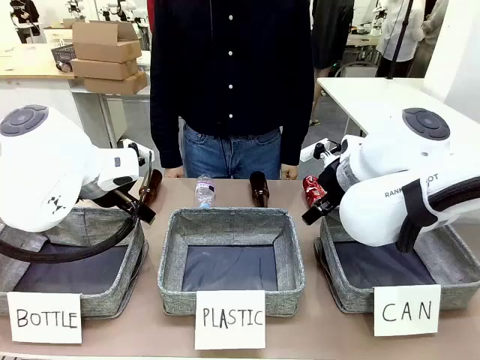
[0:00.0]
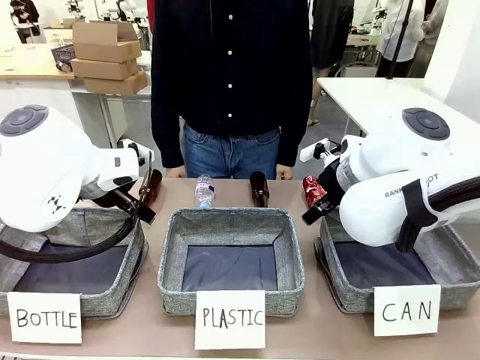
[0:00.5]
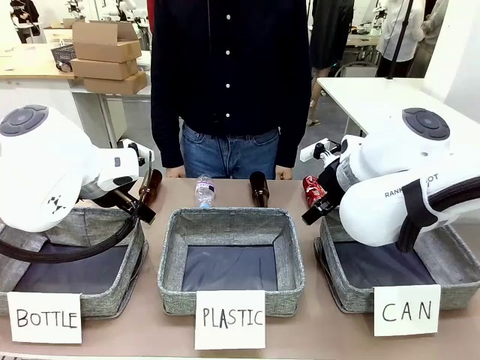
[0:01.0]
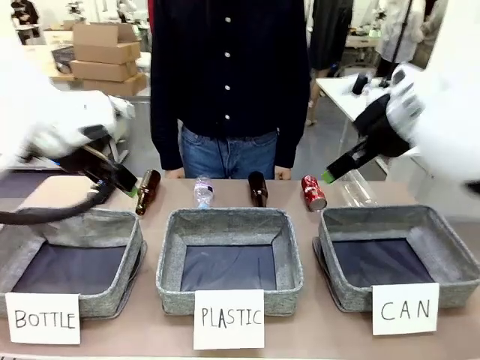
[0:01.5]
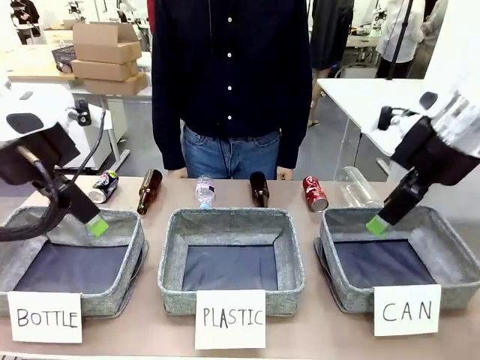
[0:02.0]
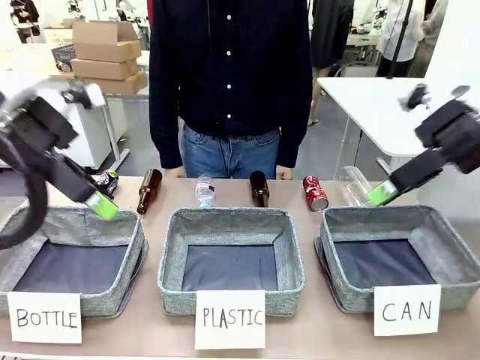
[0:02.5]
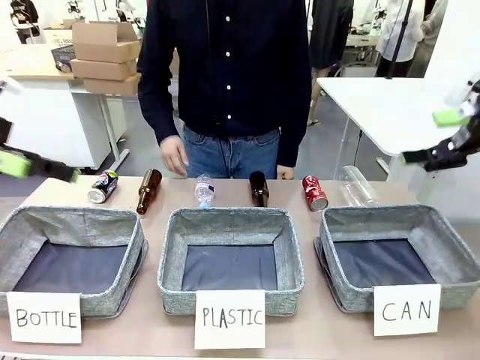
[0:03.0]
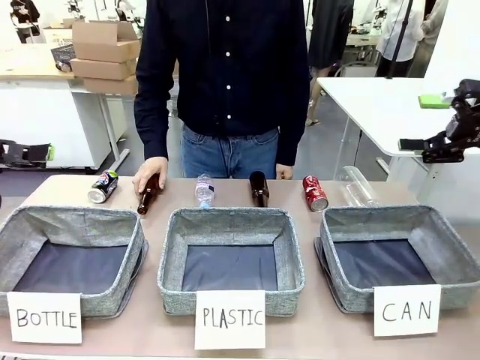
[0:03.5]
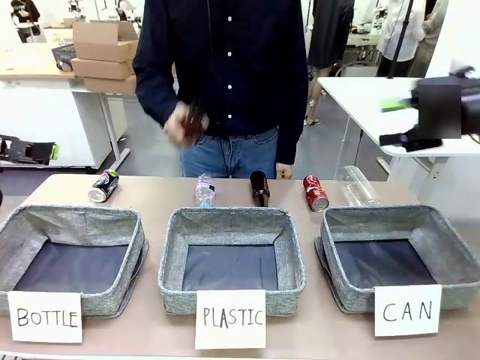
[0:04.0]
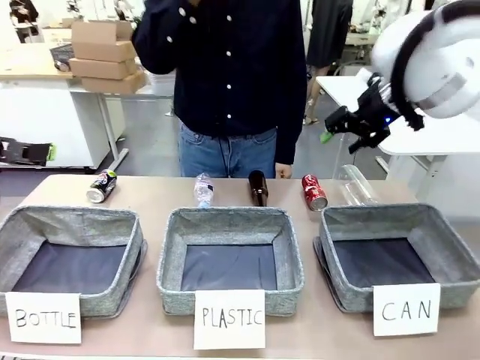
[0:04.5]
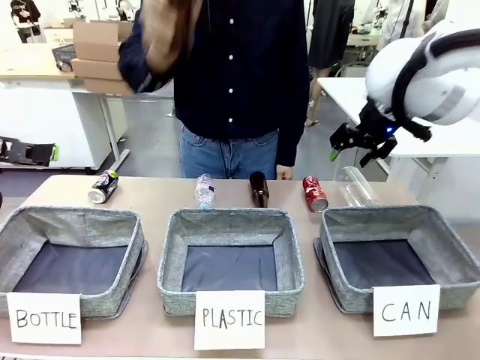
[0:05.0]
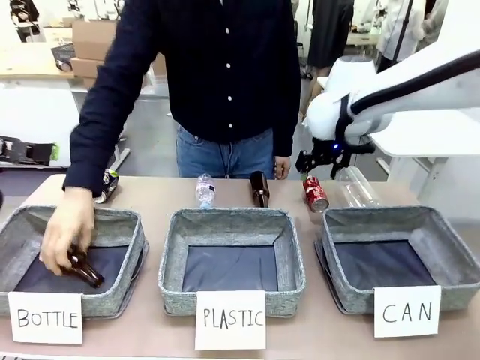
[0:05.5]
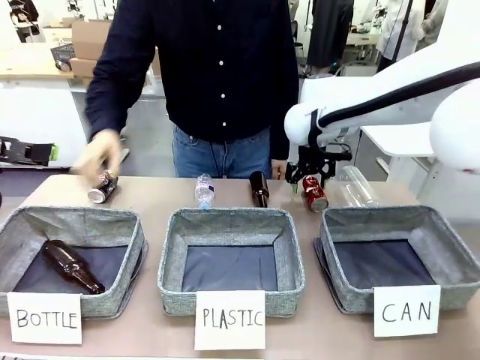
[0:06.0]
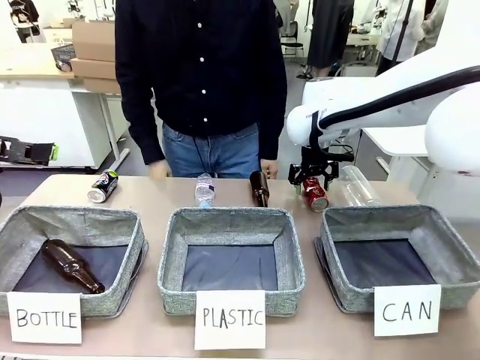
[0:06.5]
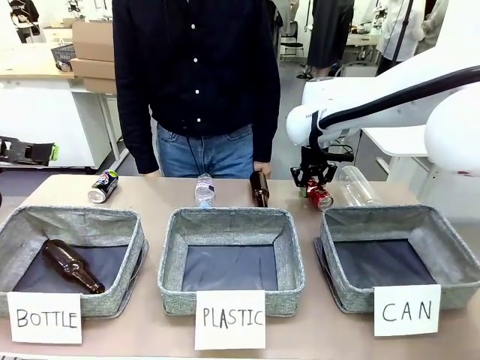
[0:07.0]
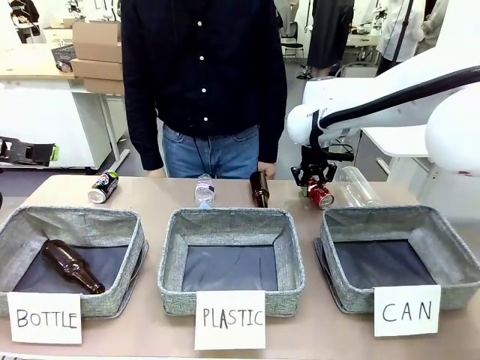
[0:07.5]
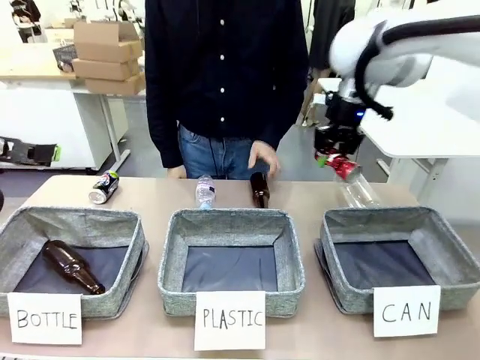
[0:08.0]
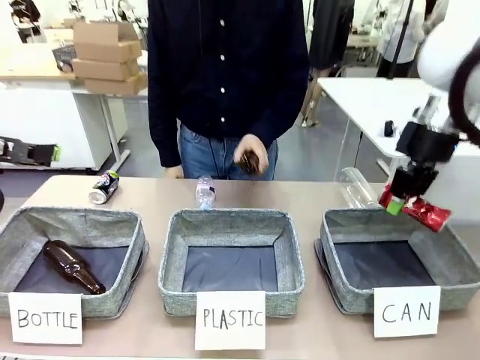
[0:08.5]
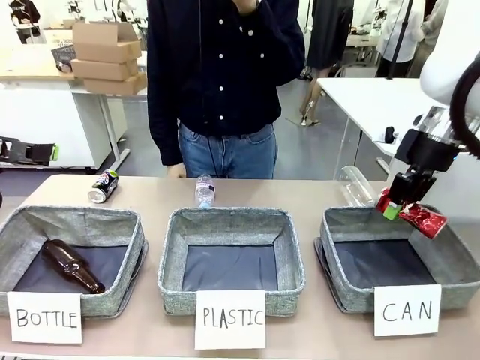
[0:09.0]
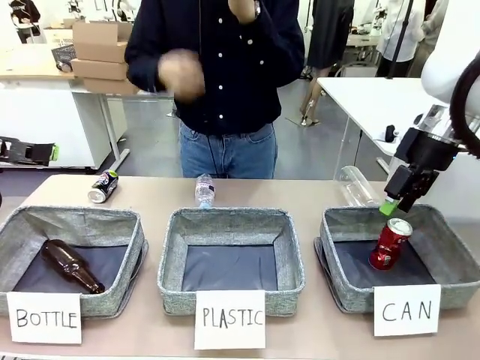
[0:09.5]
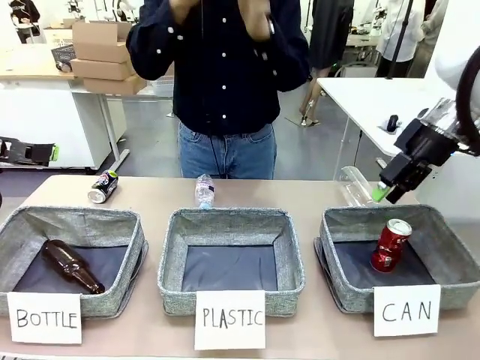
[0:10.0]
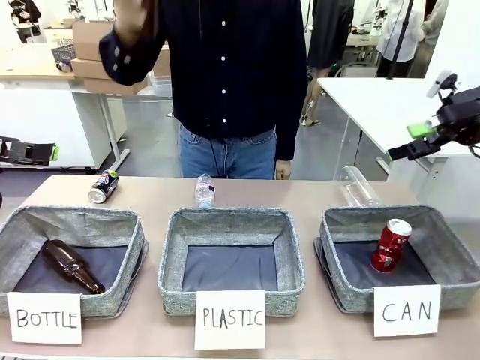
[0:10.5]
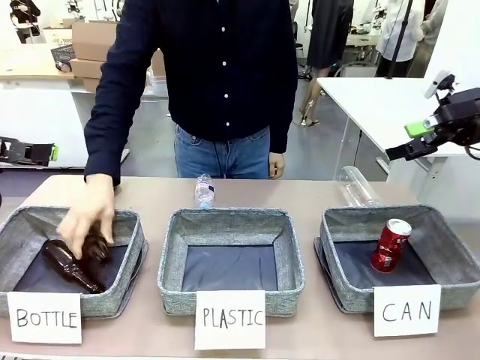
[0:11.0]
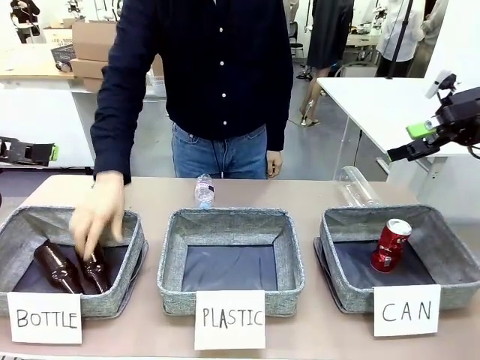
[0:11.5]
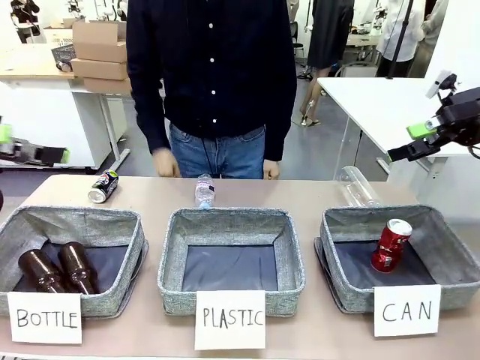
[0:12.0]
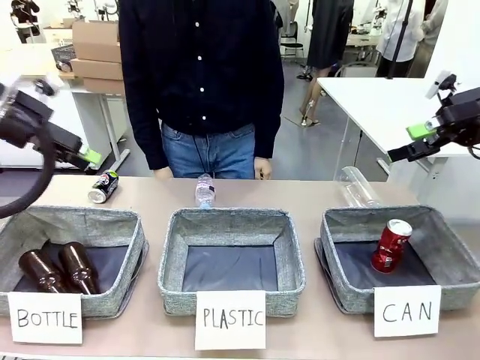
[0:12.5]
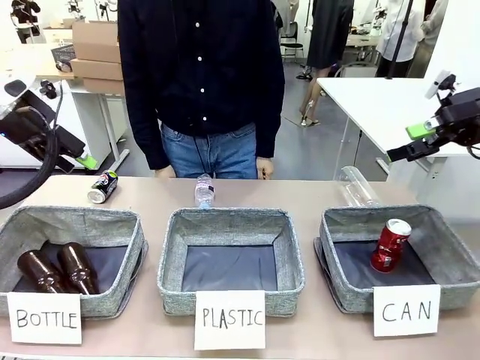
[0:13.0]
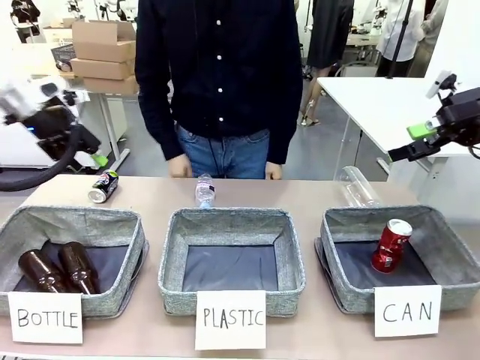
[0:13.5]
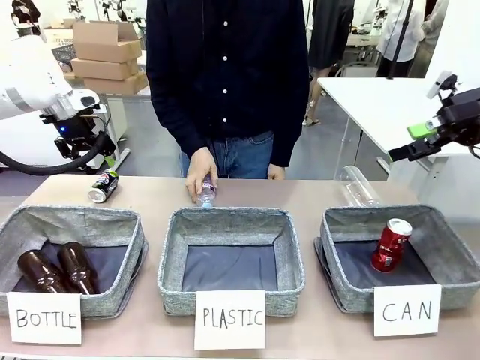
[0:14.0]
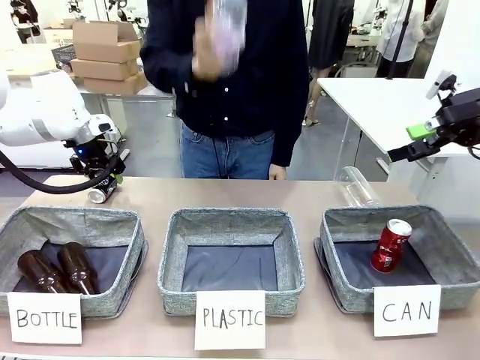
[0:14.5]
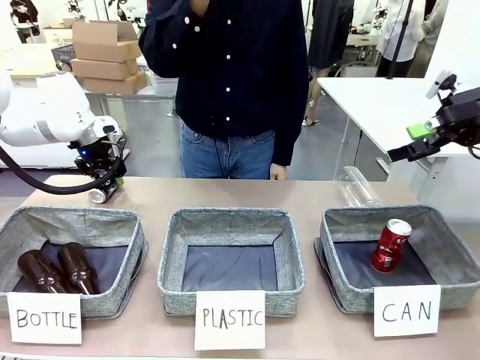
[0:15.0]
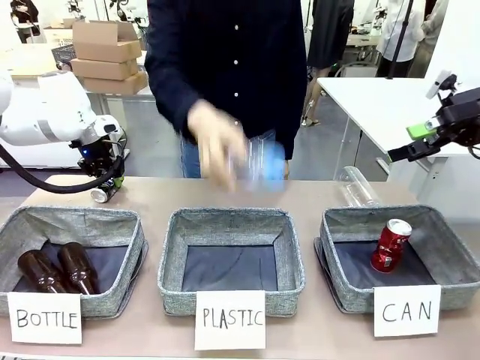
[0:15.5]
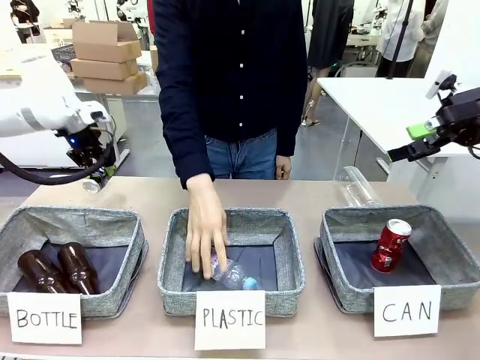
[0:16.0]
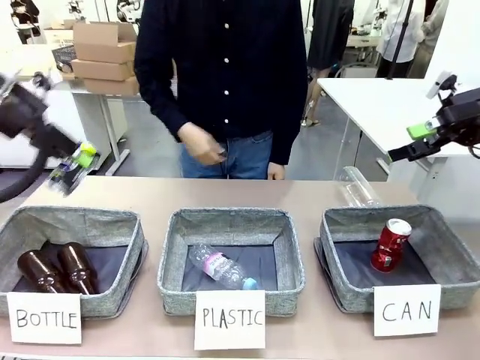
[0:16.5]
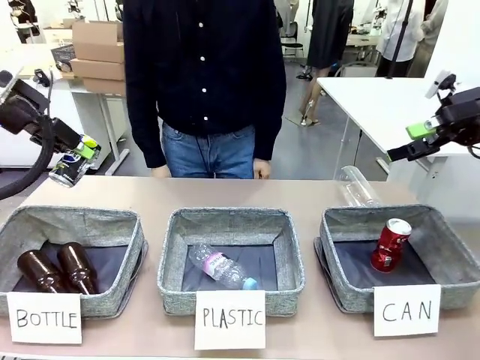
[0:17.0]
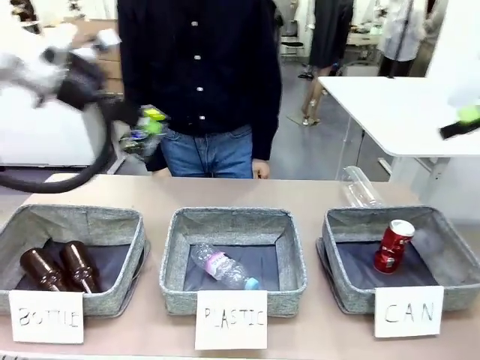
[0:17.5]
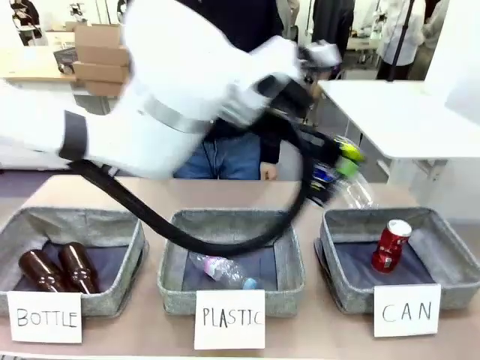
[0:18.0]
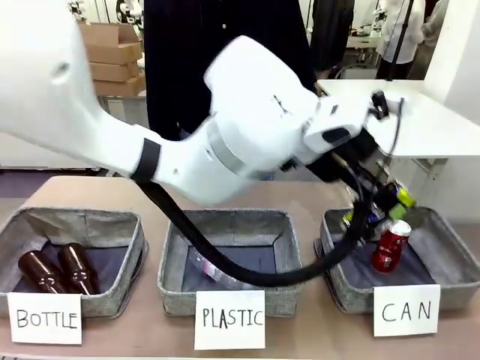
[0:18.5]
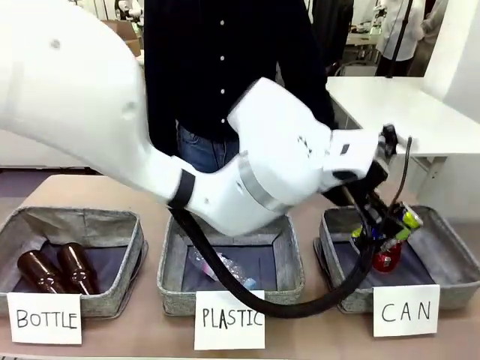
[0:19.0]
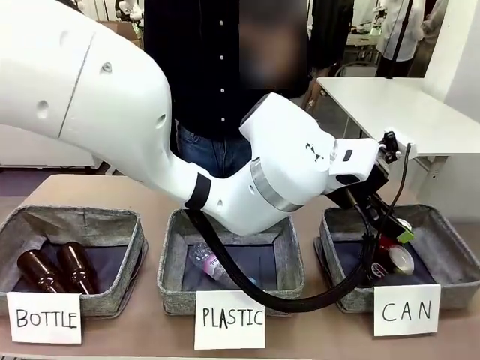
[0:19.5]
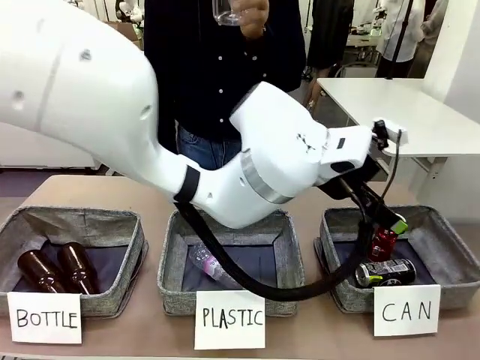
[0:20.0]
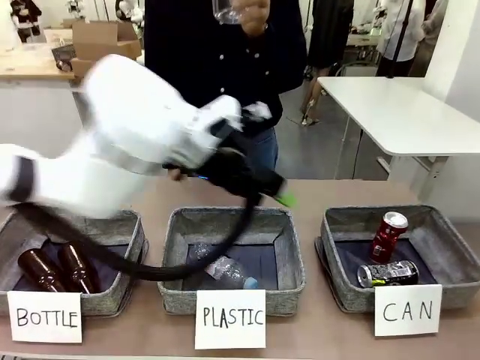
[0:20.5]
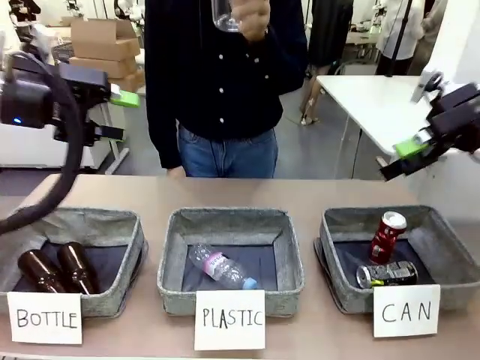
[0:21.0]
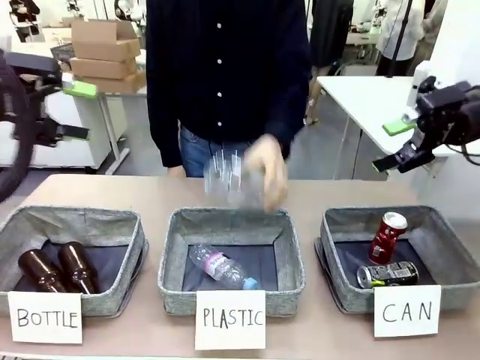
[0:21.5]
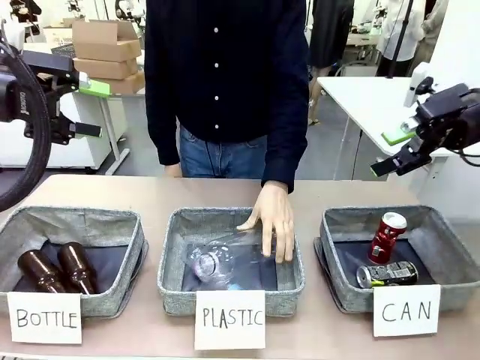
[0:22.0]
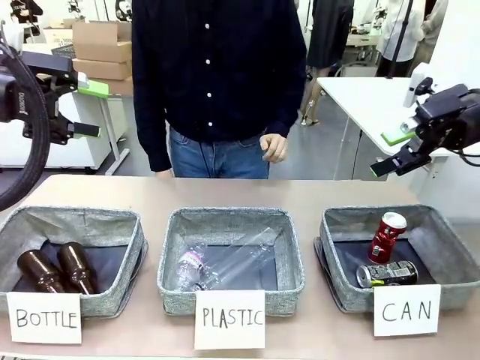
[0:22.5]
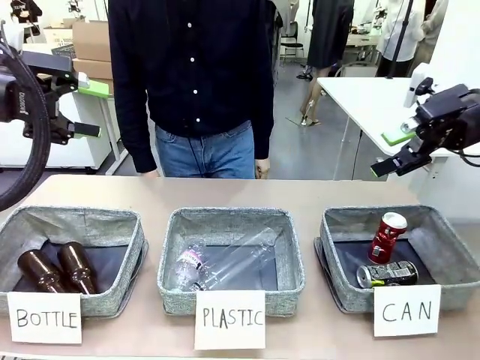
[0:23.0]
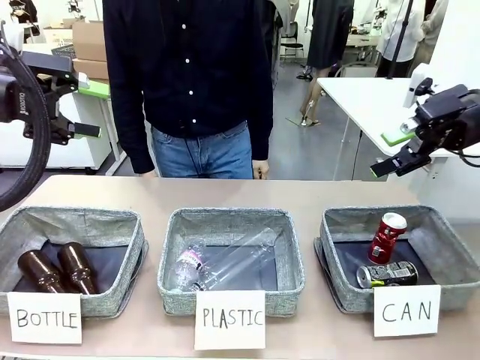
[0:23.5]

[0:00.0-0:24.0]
Task: Sort the can waste into the basket.
Robot: Pick up the can waste from the table and place it in the right Fabric basket.
Person: The human picks up one piece of trash that is not a can and places the trash into the appropriate organizing basket.
